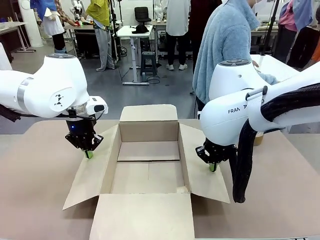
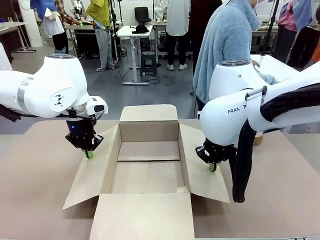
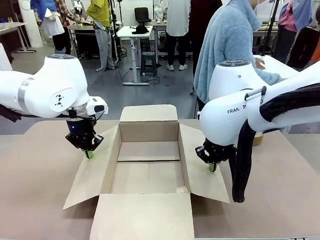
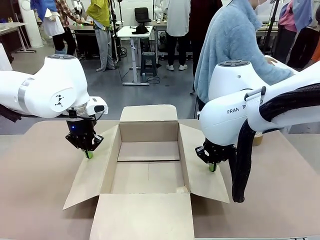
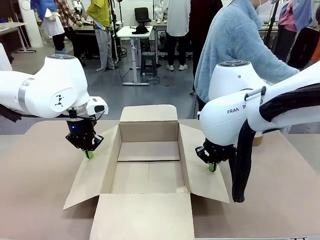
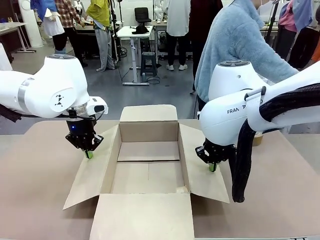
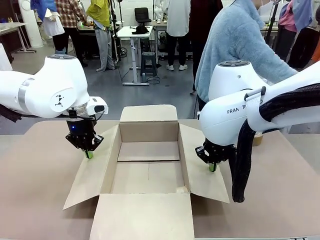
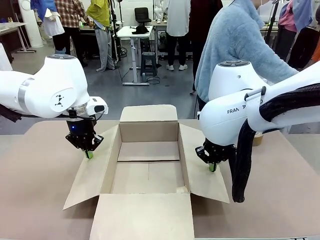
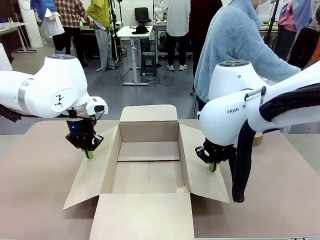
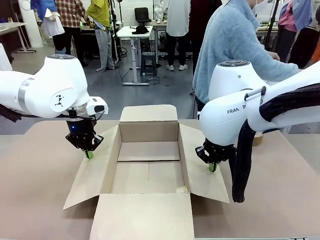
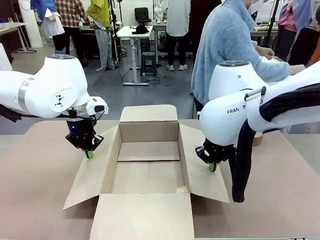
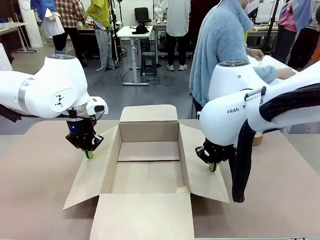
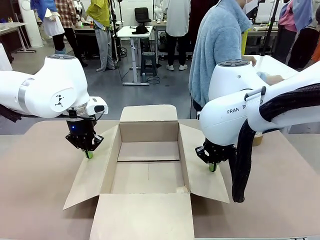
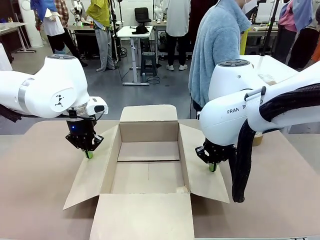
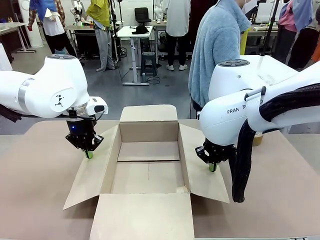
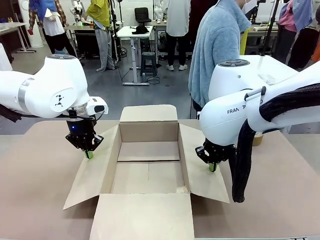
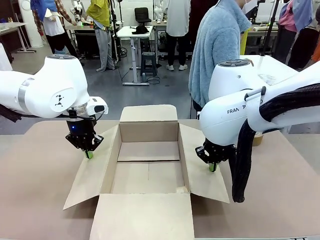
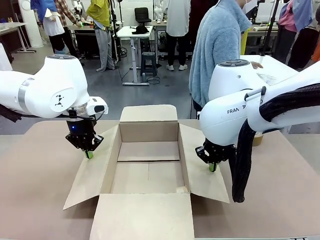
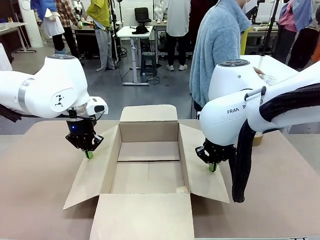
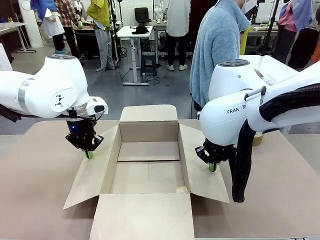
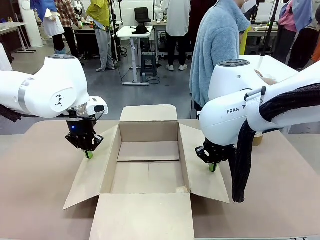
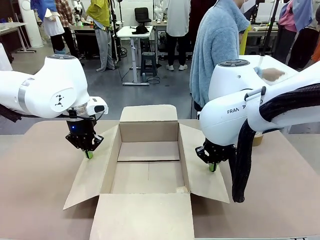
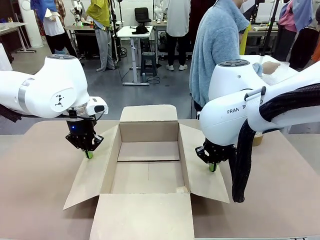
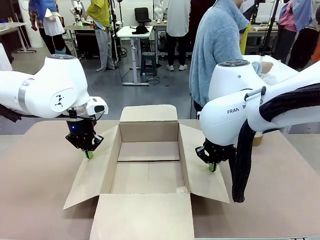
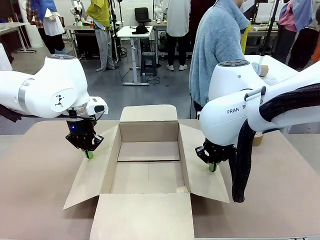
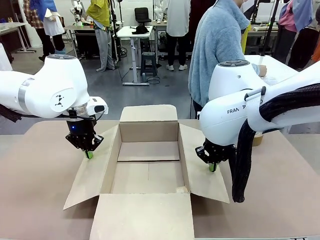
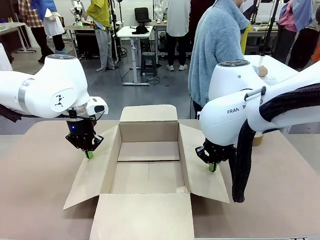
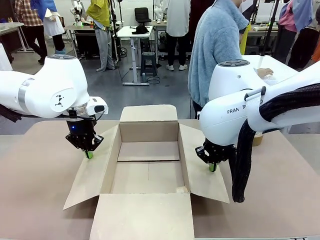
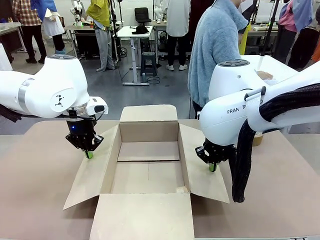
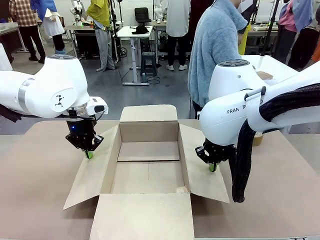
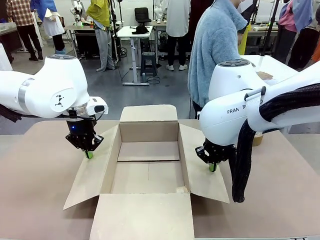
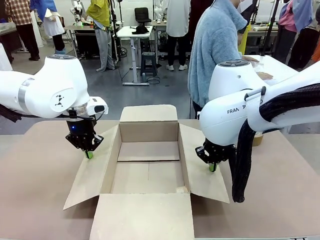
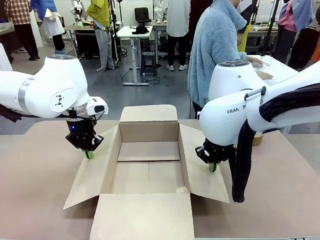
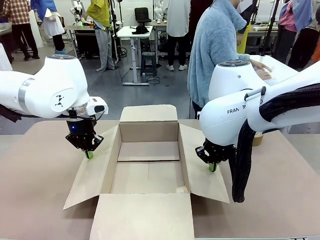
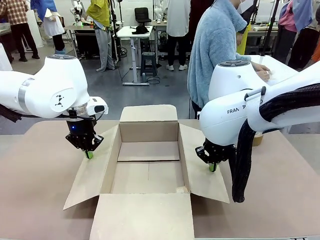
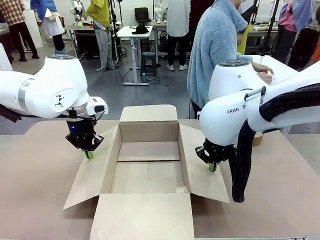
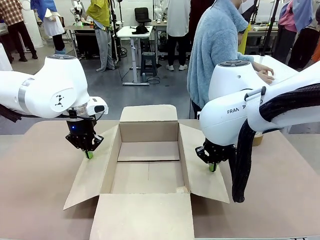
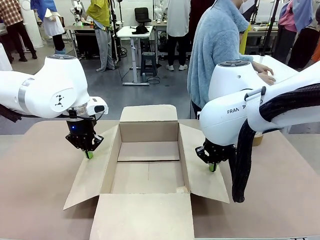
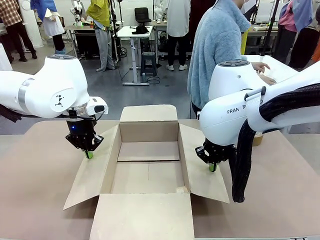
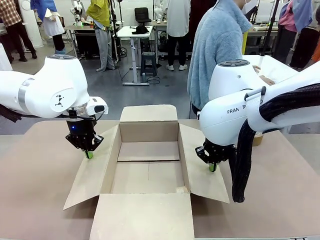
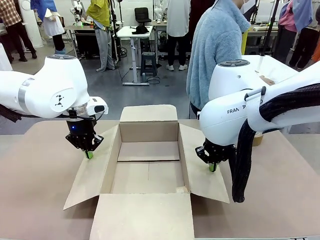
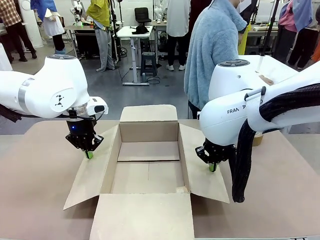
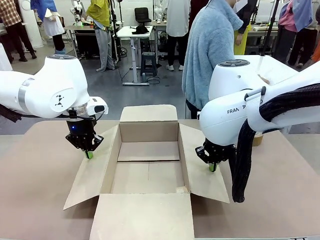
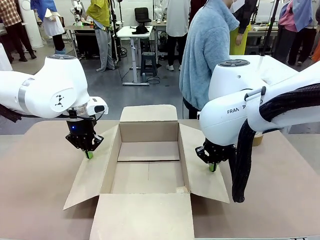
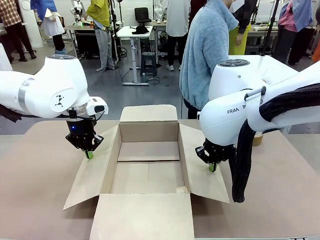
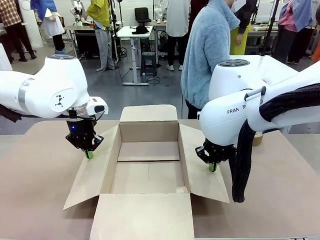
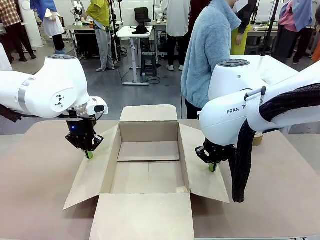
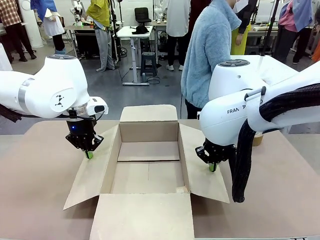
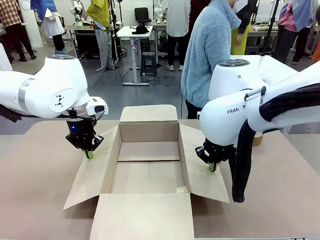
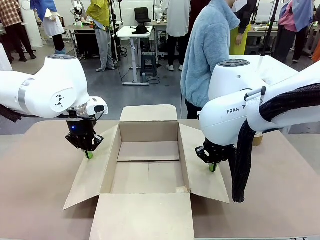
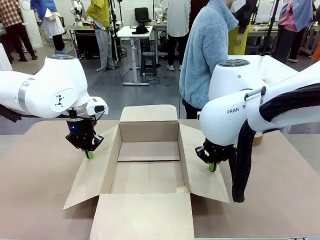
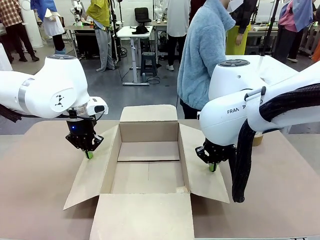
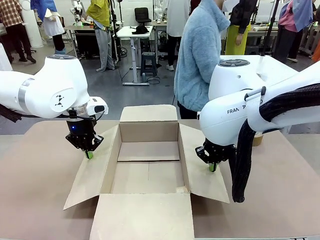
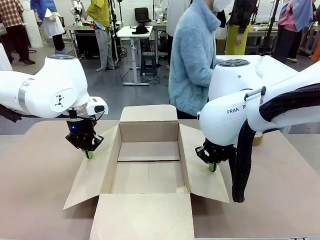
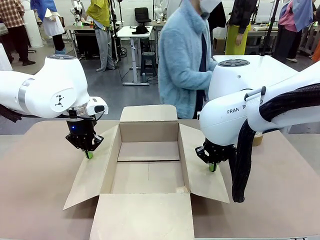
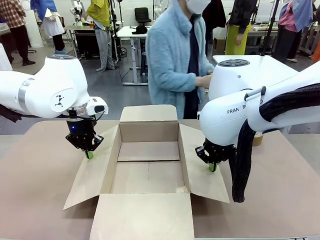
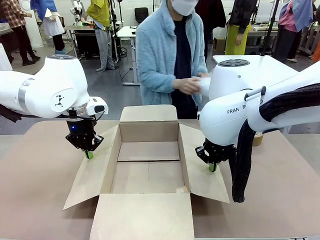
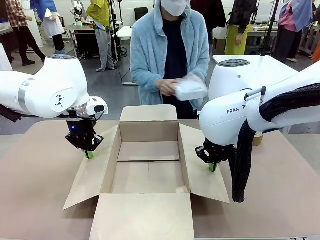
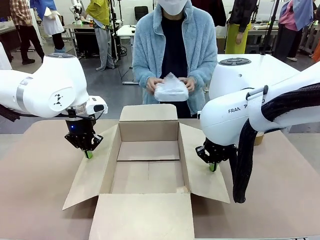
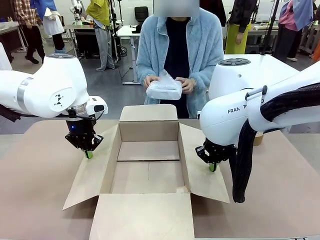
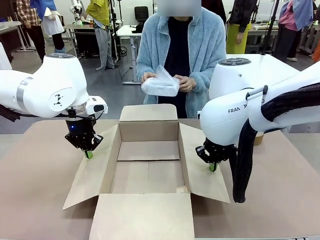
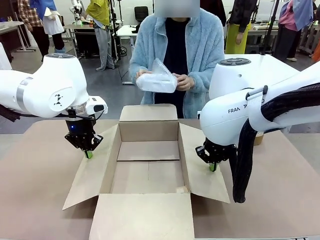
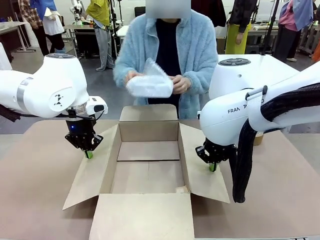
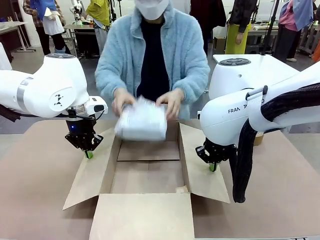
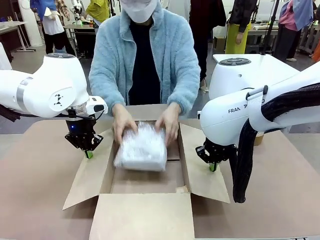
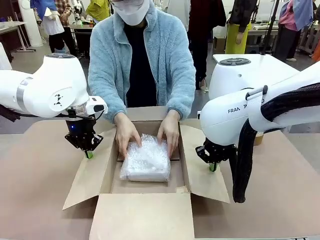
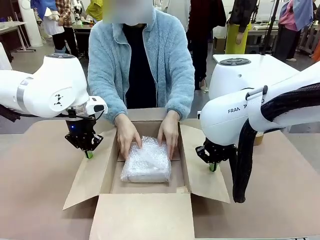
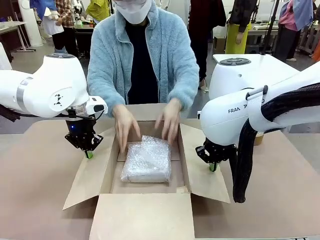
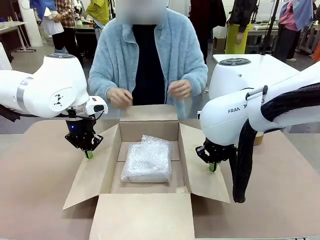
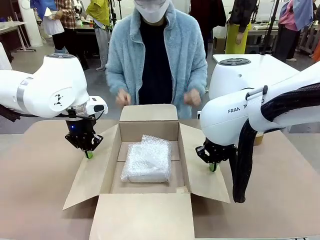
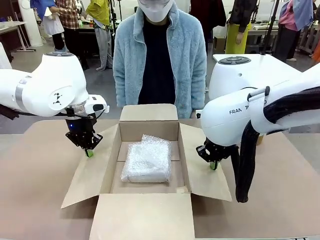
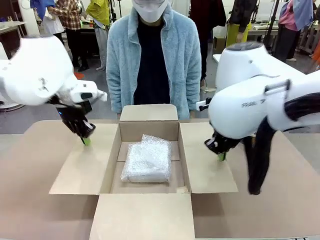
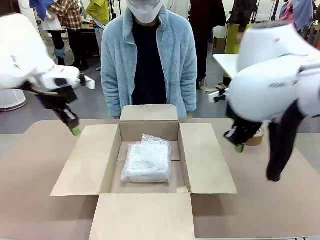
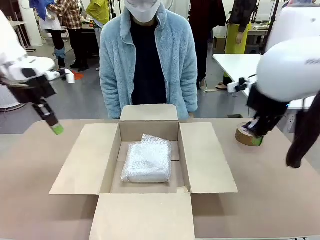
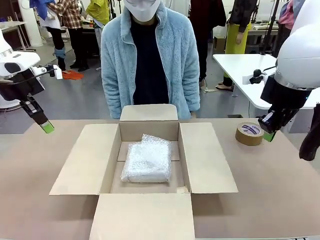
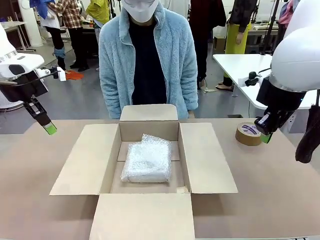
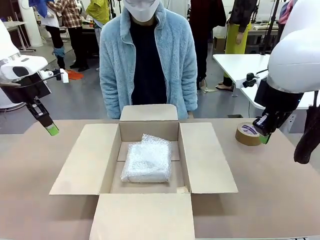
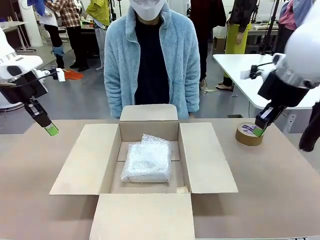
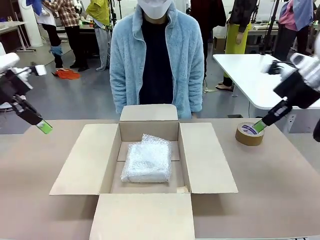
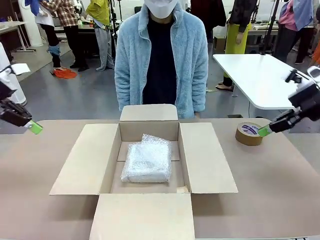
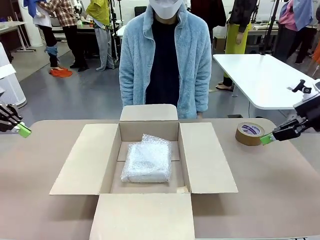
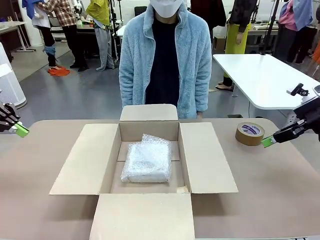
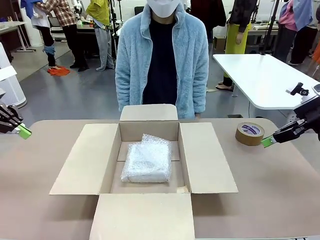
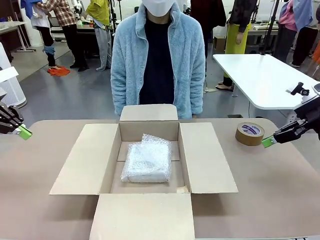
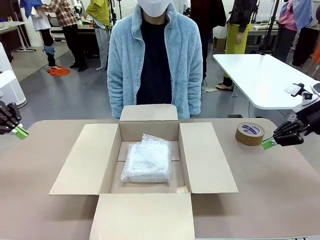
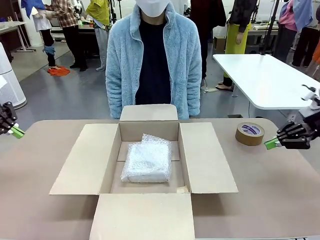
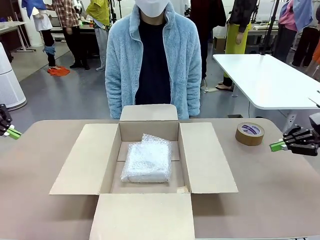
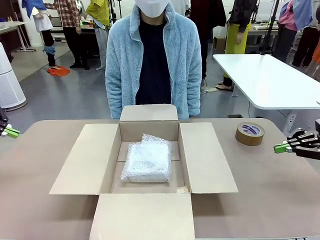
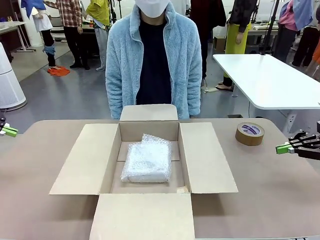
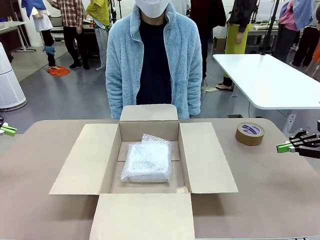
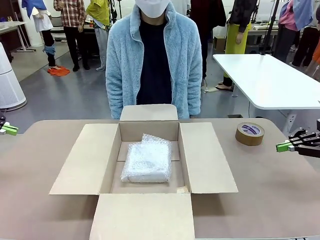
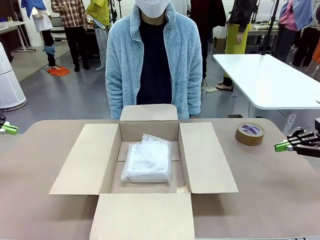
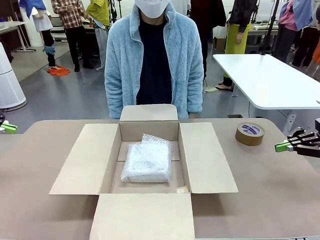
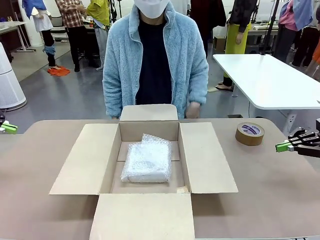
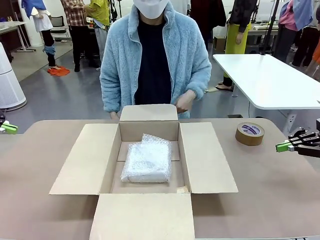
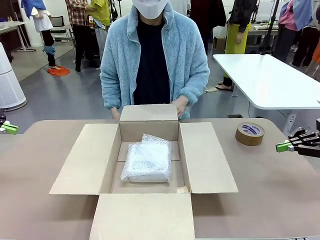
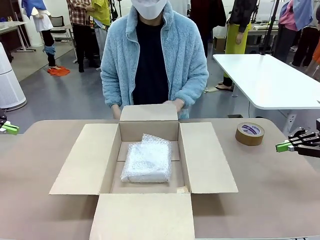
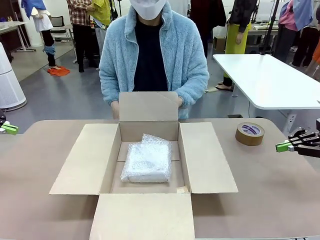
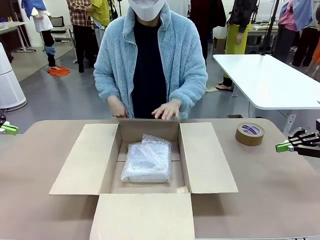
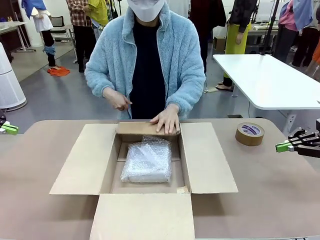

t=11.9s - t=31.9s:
Task: Wrap the clocks to prevent damage.
Robot: Once the human has placed the objects inside and stepped back, release both hands from the side flaps of the Package Box.
Person: Place the wrapped Digital clocks inside the Package Box. Hold the top and bottom flaps of the Package Box closed with your left (or right) hand.
